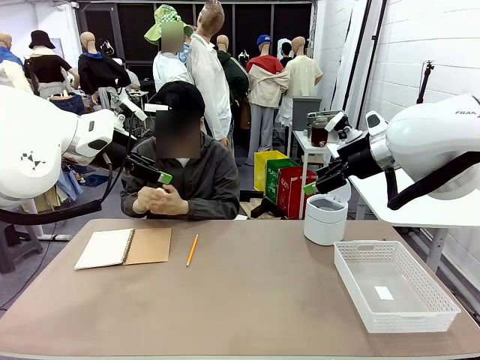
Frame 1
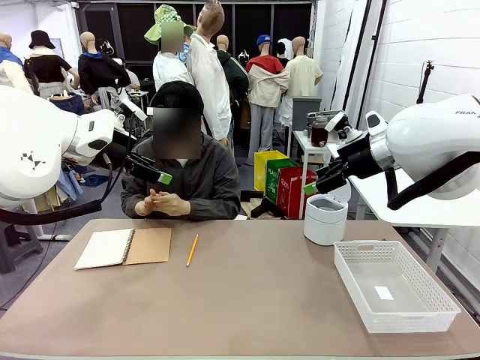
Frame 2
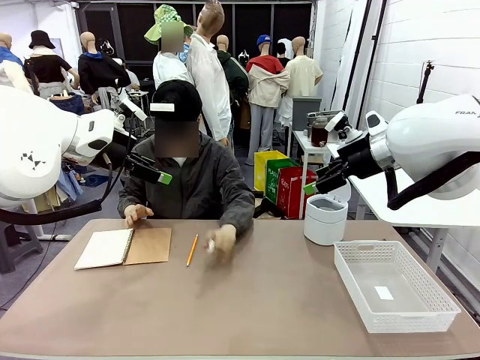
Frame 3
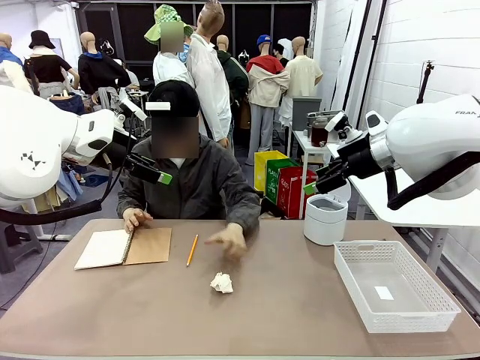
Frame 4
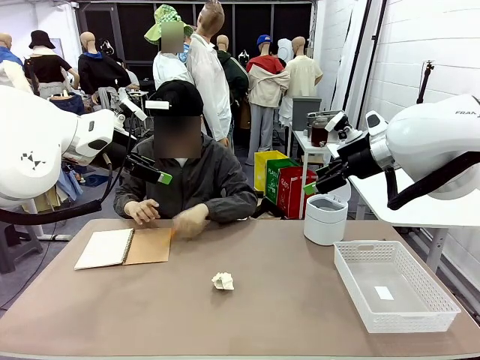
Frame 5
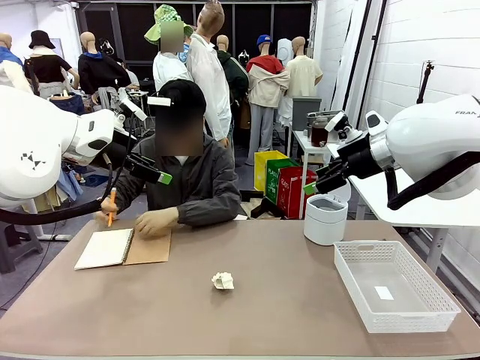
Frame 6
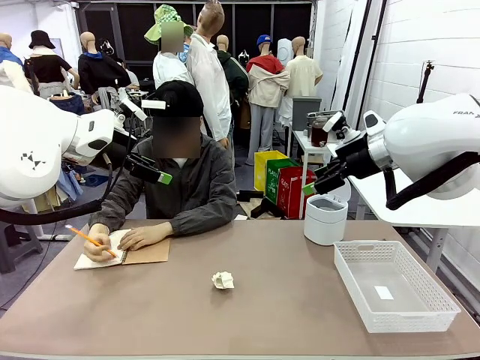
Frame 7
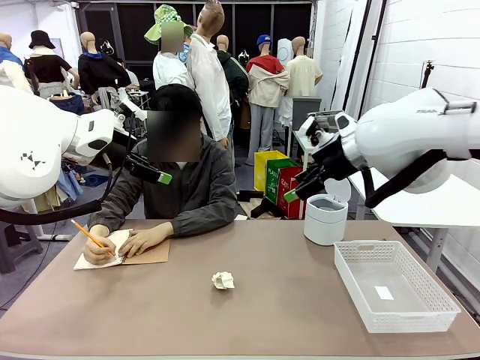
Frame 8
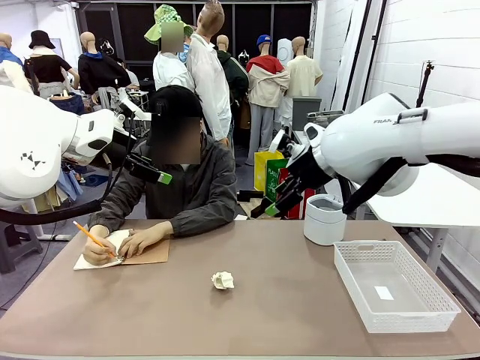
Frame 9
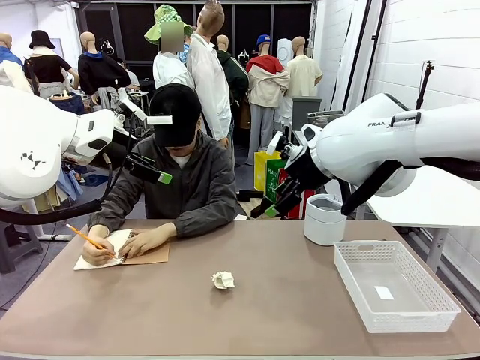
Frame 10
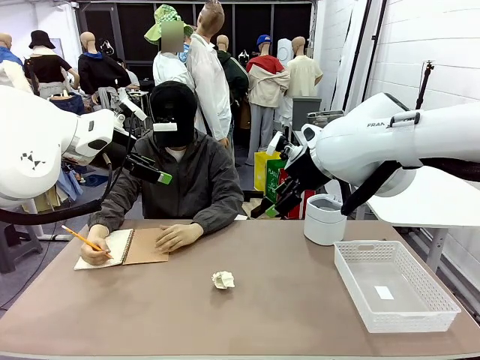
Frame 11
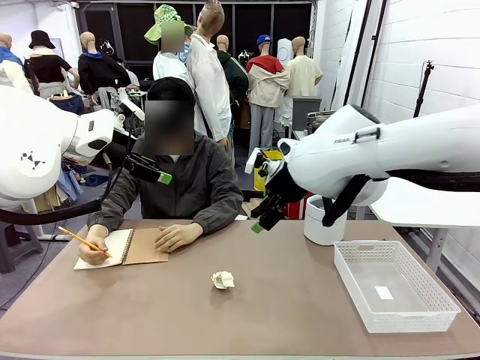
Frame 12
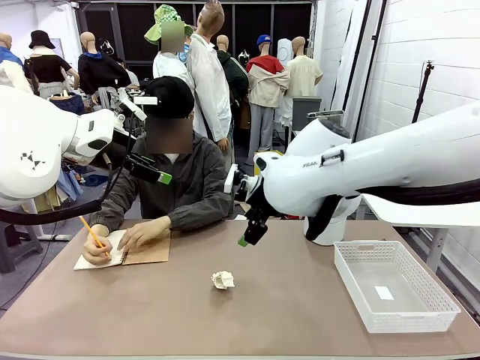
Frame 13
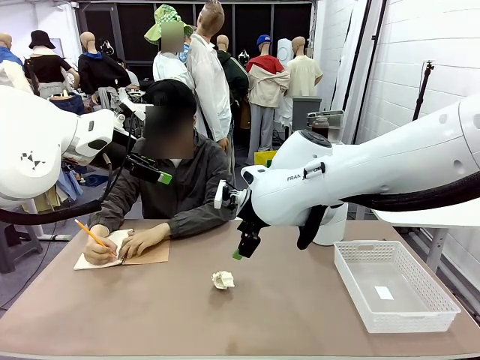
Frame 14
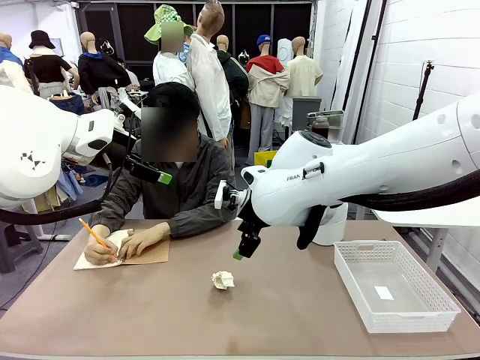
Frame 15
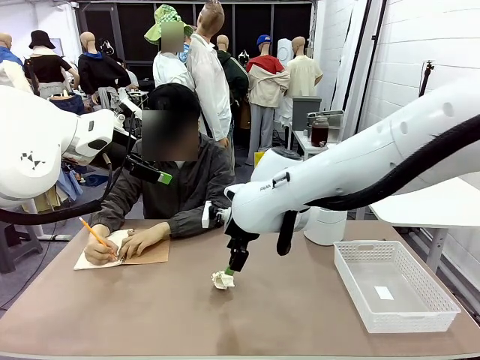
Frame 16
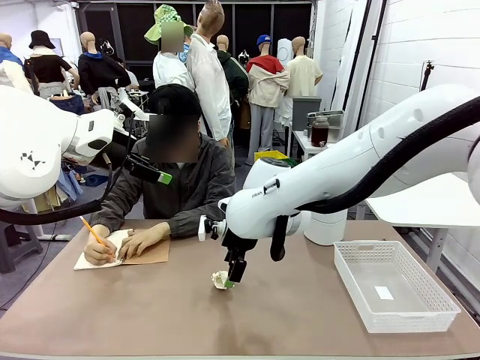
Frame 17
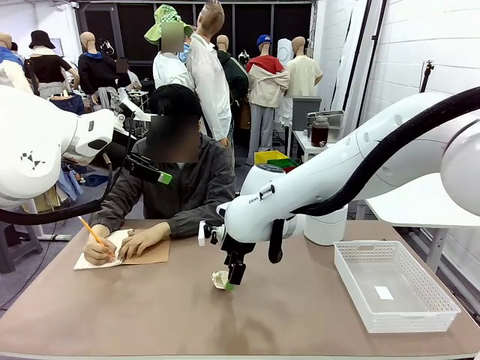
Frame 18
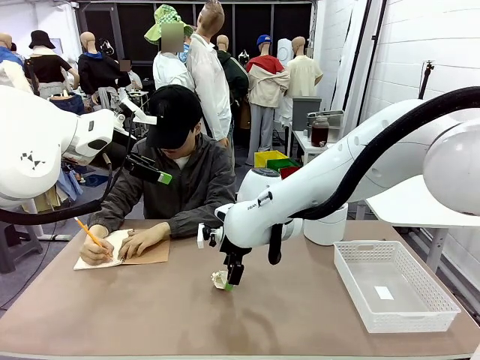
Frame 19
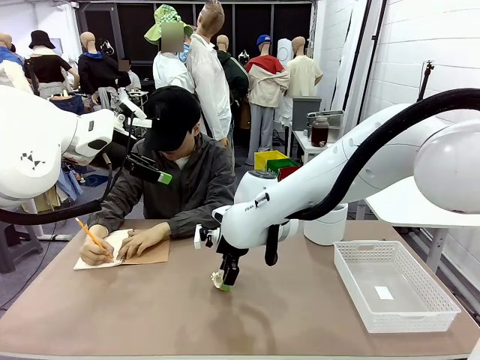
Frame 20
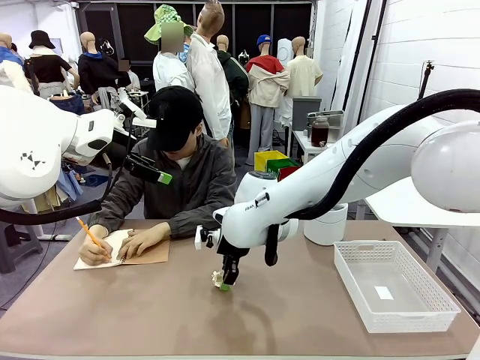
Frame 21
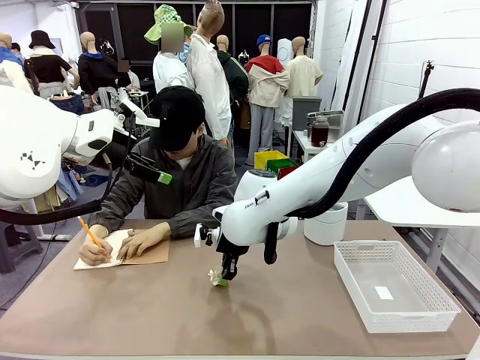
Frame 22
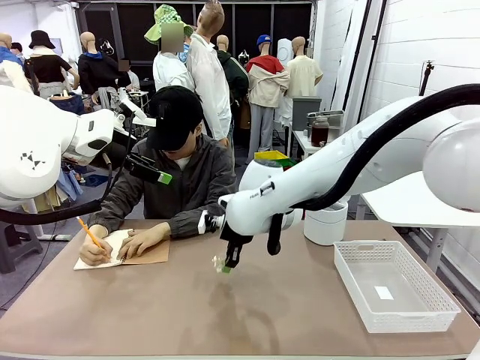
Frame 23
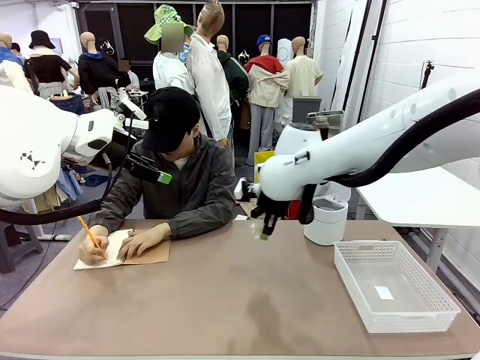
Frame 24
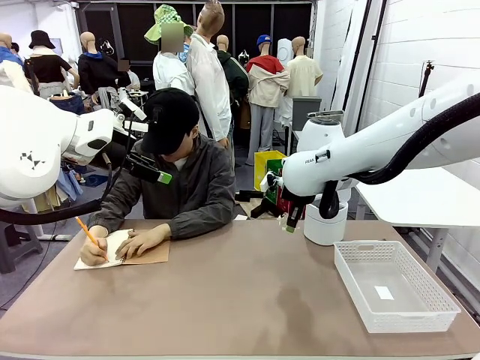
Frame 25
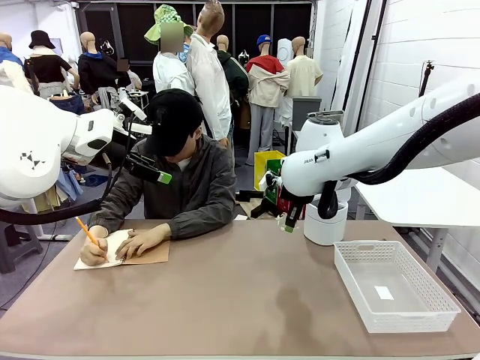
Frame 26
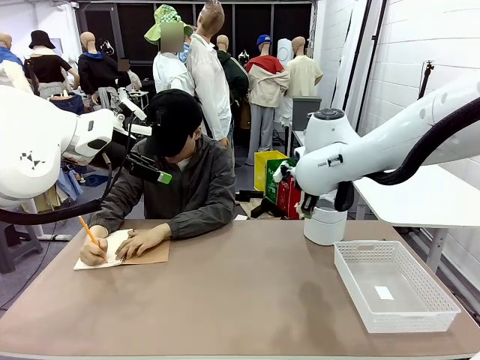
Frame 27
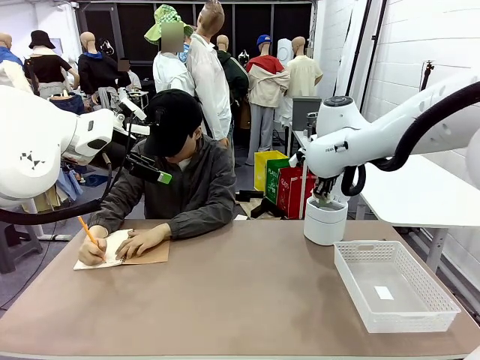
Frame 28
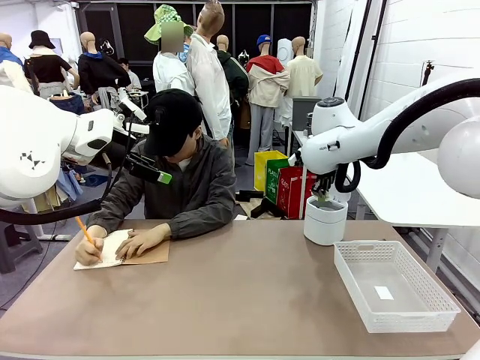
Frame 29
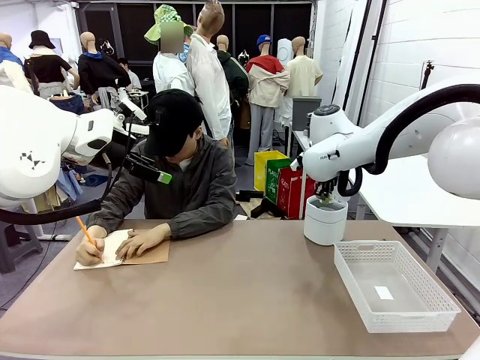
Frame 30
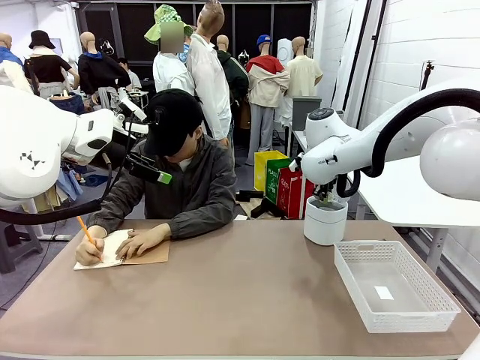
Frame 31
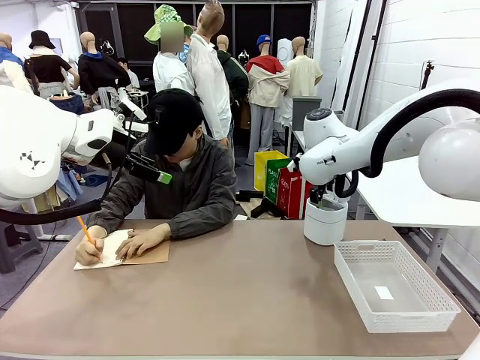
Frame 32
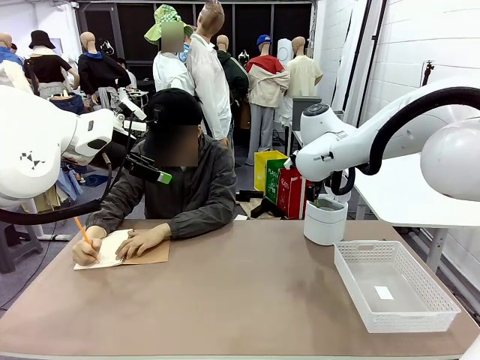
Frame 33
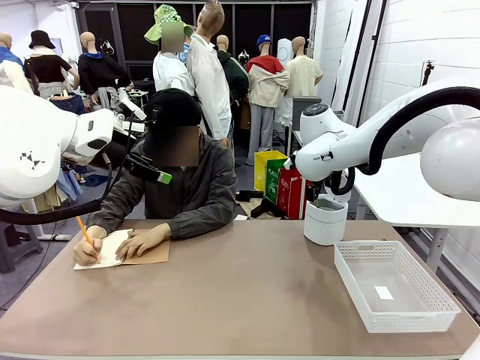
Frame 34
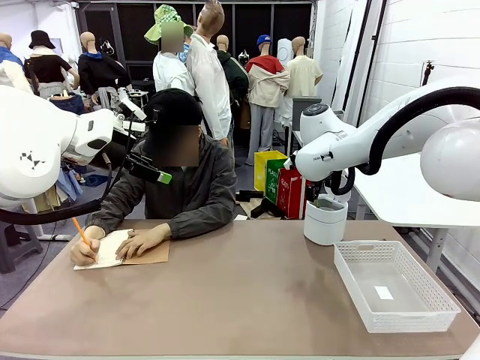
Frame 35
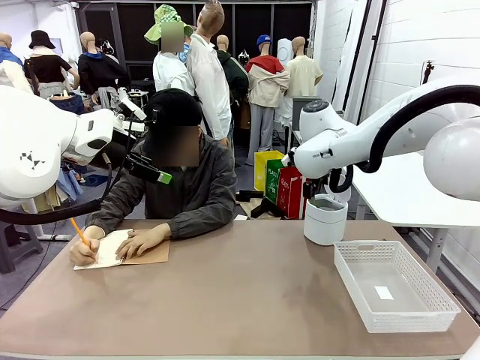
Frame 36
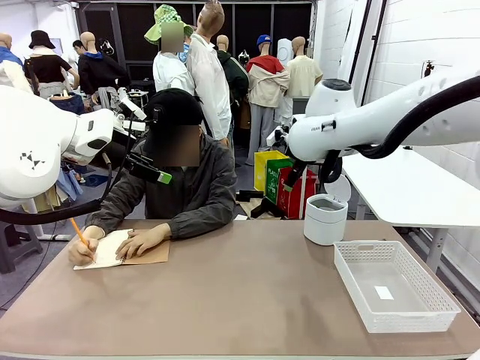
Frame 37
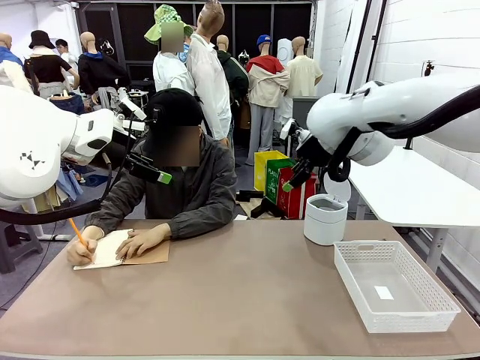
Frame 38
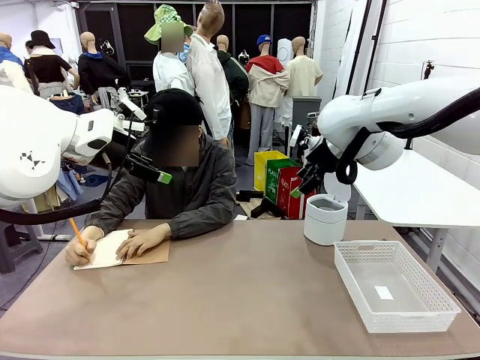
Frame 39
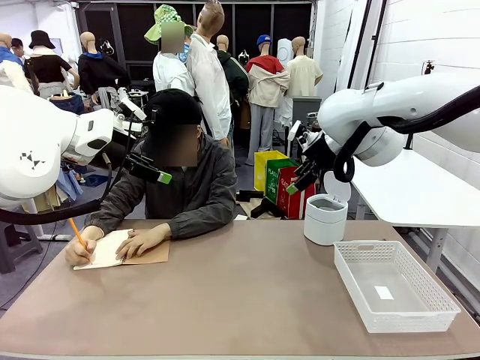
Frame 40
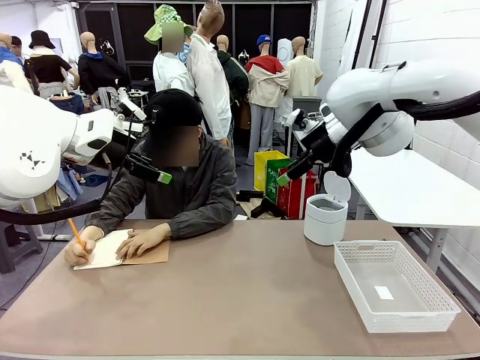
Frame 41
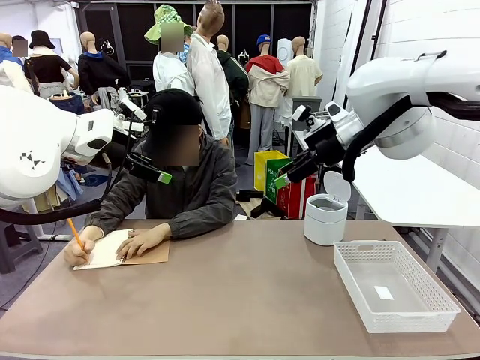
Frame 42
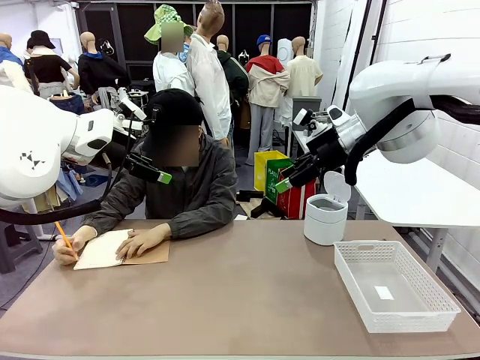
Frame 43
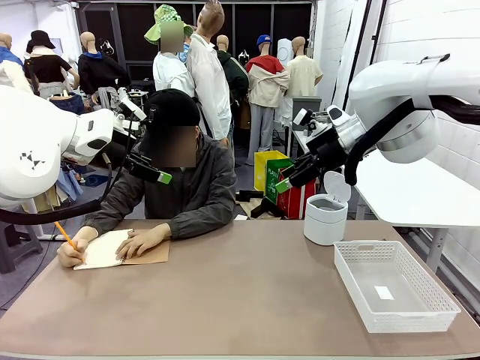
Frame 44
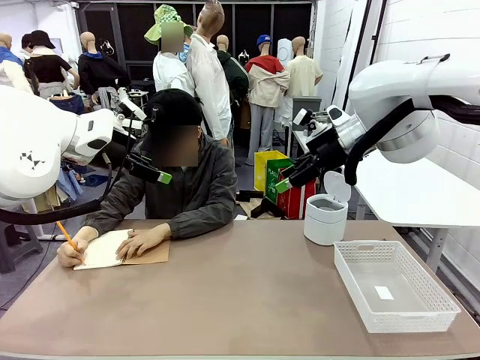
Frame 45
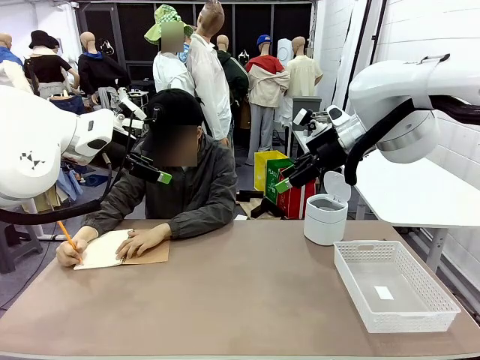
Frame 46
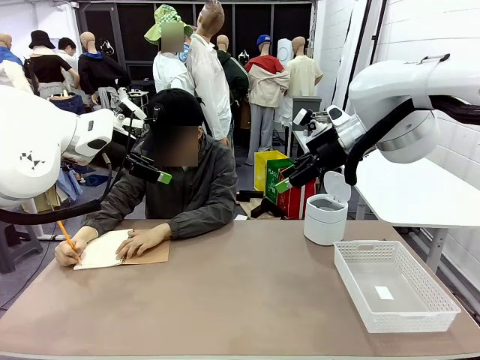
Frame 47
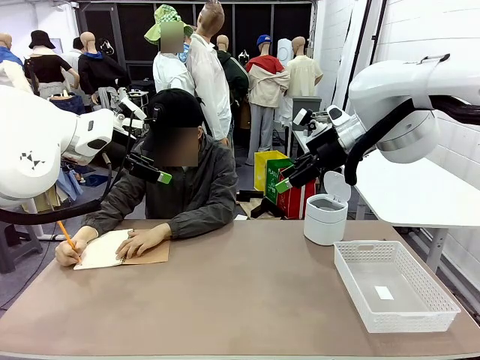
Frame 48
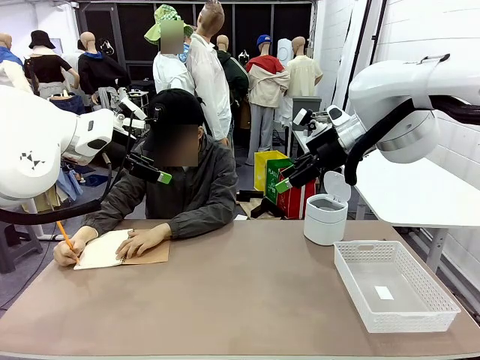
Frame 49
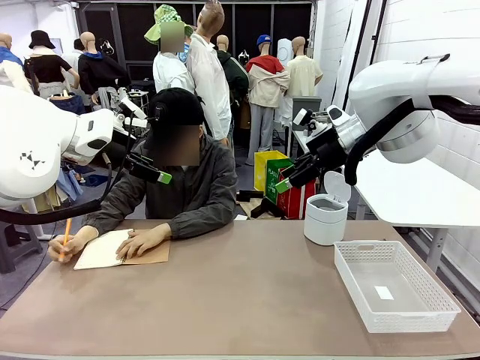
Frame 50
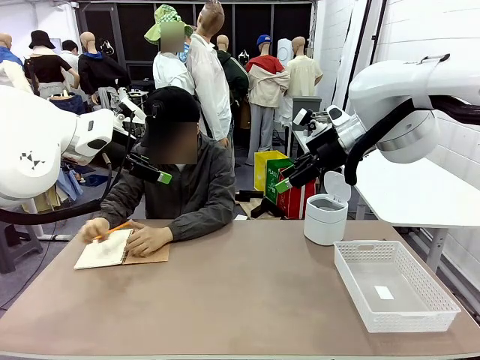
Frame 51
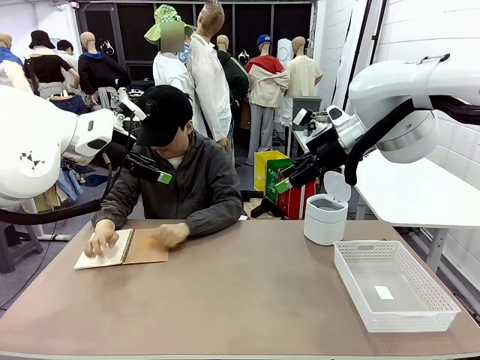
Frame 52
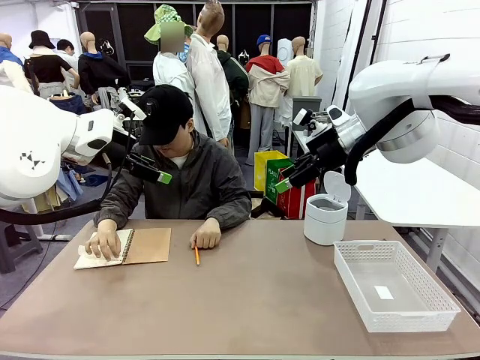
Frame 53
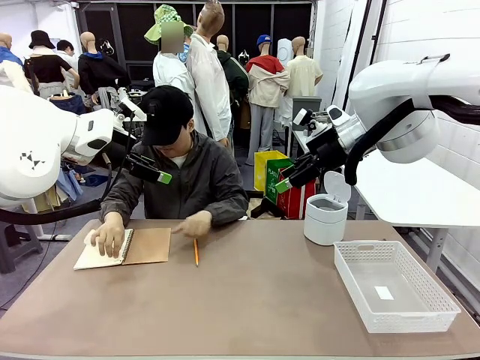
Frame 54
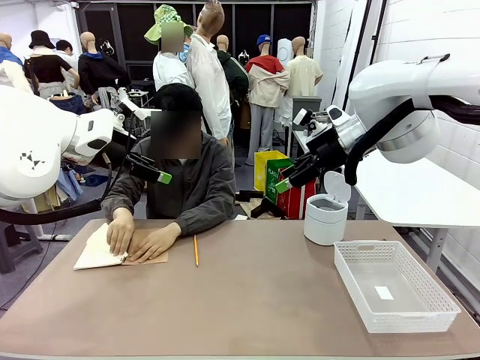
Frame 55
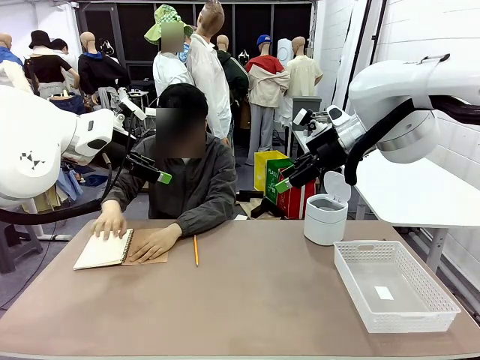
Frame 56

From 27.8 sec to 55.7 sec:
Task: Sort the paper based on its condition.
Robot: If a person hands you a paper, place it in the Organizing basket , and if it's crumpled, put it in the Trash can.
Person: Hand the torn page to the robot or crumple it and throw it to the center of the table. Tear out a page from the spiral notebook.
